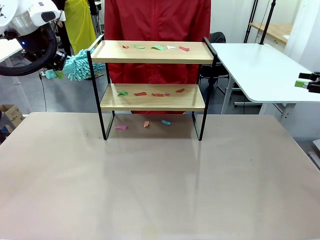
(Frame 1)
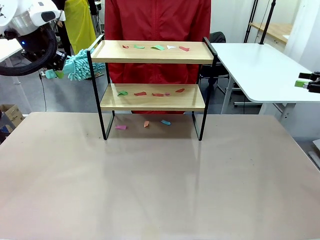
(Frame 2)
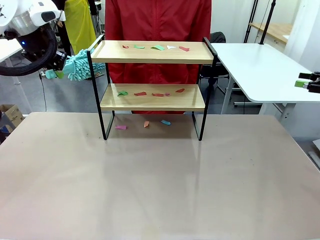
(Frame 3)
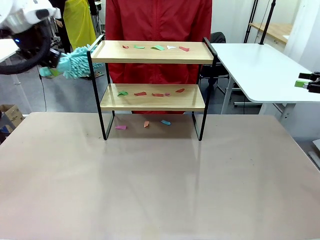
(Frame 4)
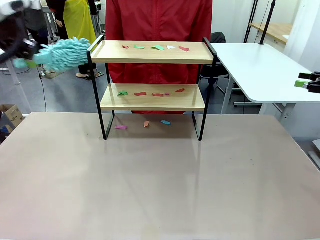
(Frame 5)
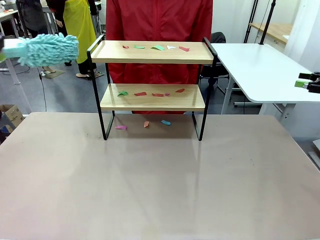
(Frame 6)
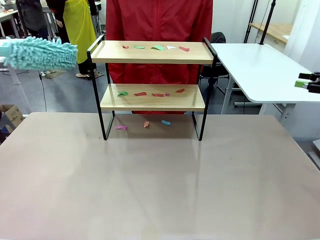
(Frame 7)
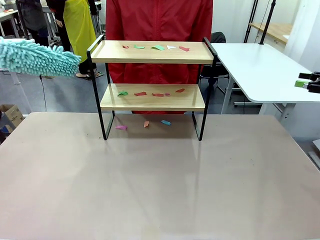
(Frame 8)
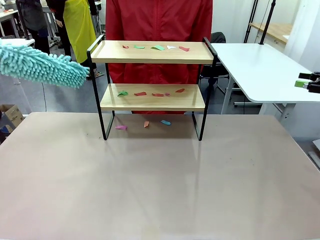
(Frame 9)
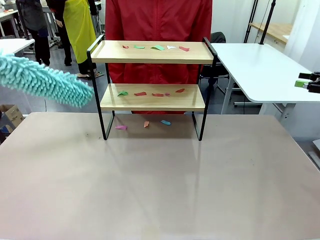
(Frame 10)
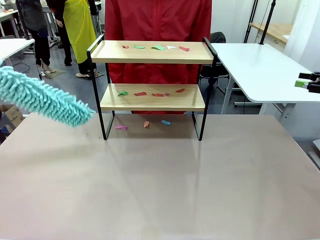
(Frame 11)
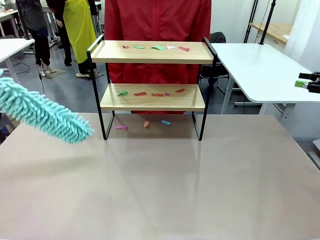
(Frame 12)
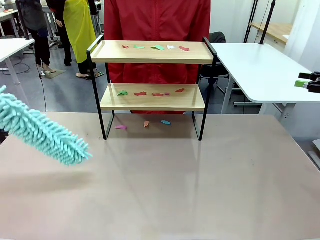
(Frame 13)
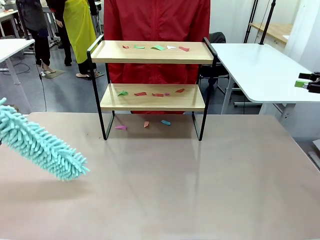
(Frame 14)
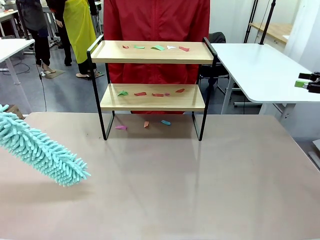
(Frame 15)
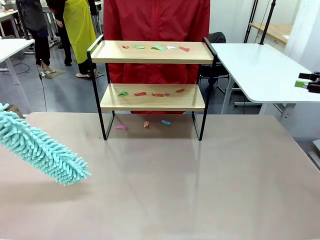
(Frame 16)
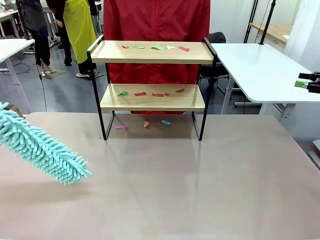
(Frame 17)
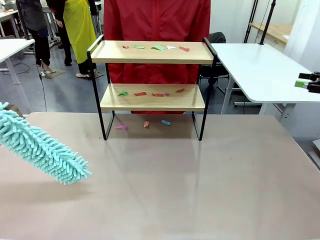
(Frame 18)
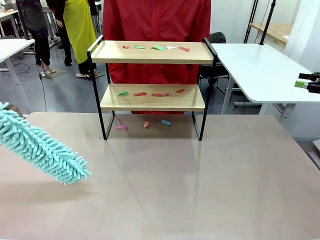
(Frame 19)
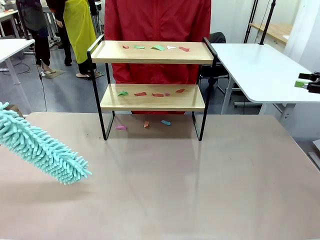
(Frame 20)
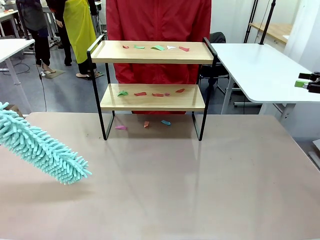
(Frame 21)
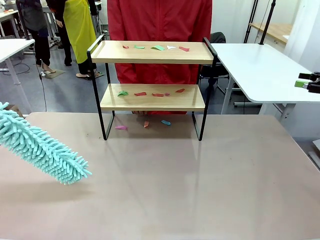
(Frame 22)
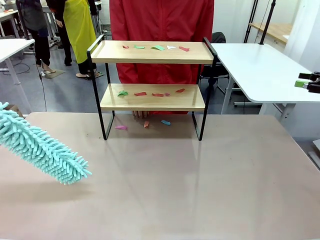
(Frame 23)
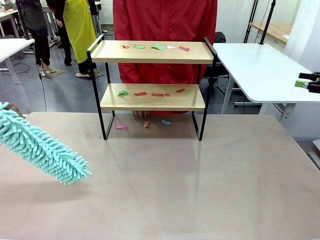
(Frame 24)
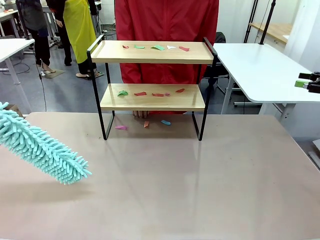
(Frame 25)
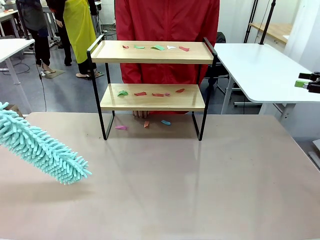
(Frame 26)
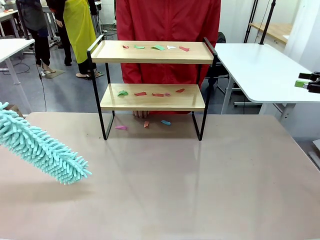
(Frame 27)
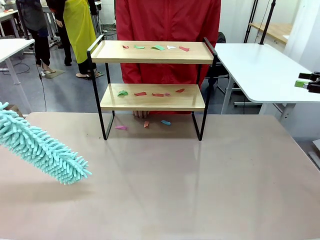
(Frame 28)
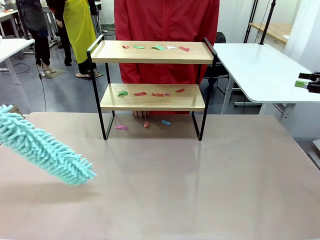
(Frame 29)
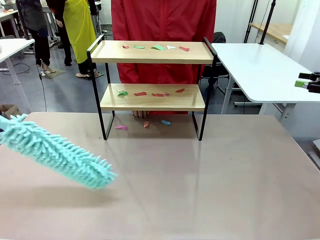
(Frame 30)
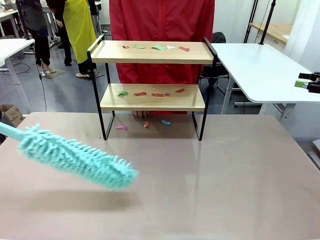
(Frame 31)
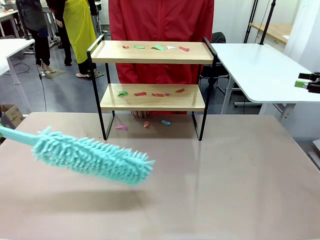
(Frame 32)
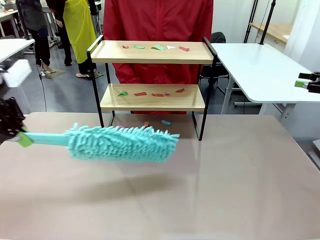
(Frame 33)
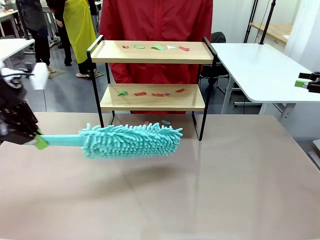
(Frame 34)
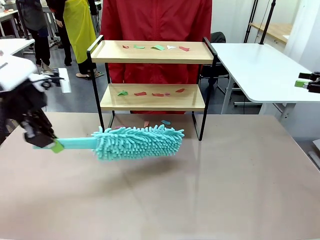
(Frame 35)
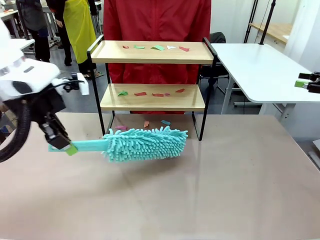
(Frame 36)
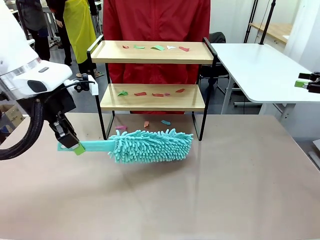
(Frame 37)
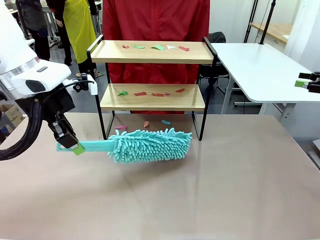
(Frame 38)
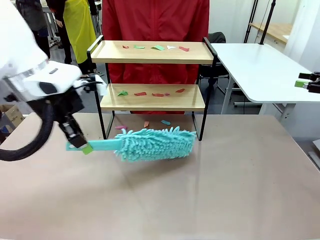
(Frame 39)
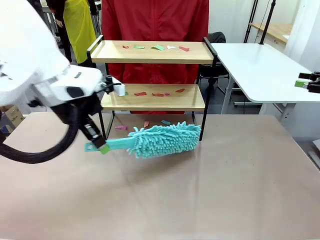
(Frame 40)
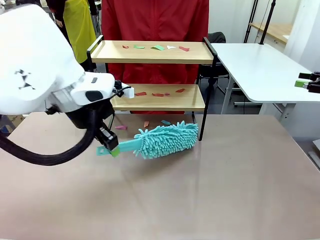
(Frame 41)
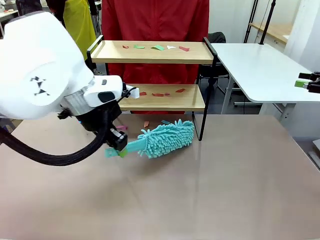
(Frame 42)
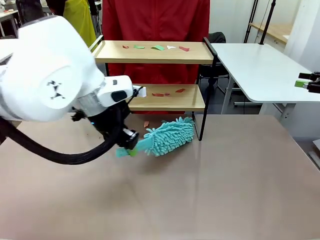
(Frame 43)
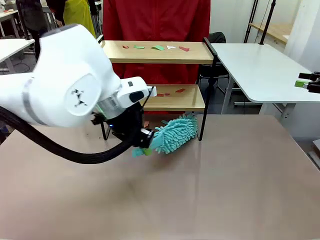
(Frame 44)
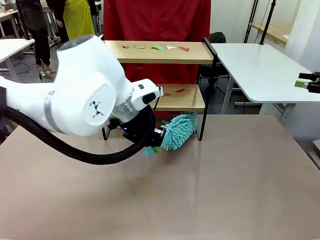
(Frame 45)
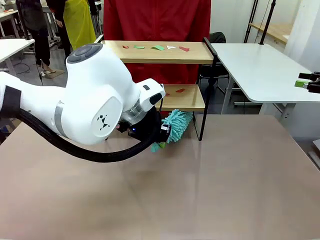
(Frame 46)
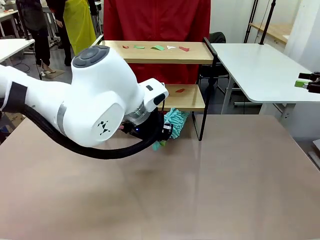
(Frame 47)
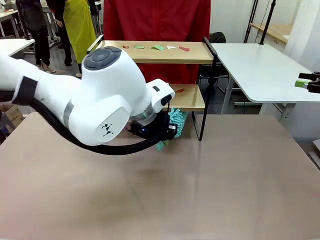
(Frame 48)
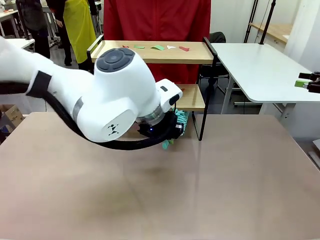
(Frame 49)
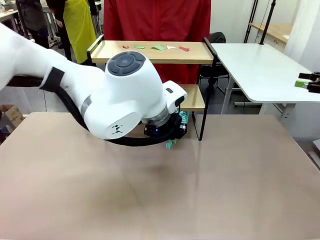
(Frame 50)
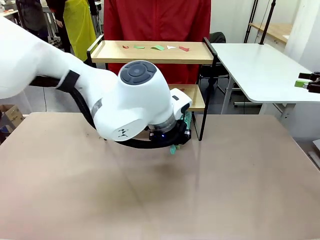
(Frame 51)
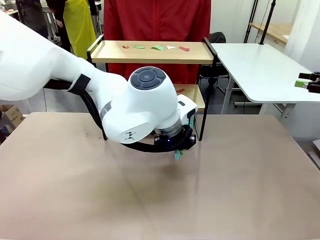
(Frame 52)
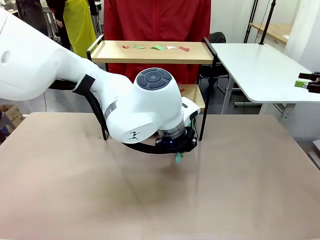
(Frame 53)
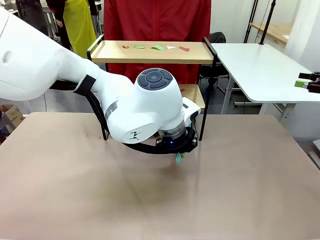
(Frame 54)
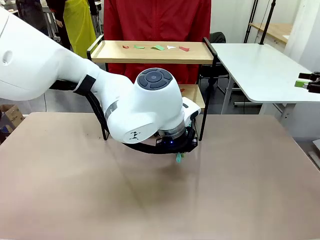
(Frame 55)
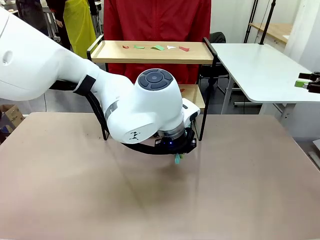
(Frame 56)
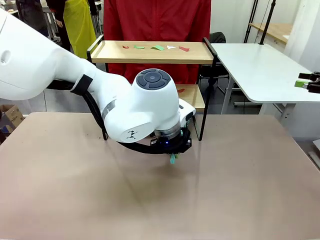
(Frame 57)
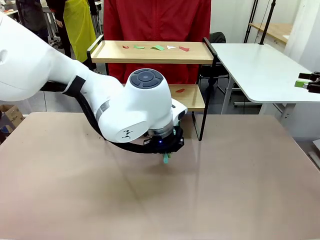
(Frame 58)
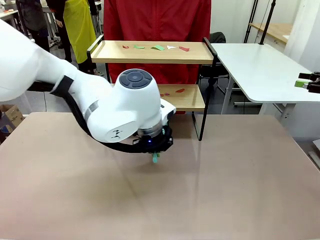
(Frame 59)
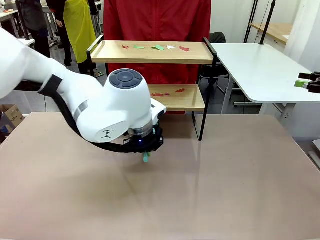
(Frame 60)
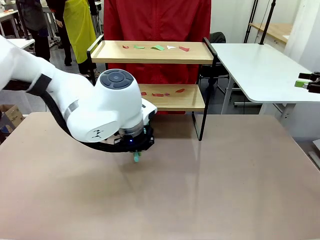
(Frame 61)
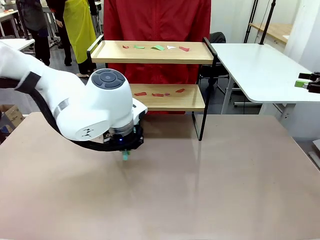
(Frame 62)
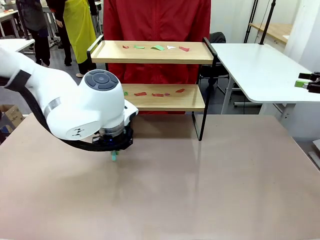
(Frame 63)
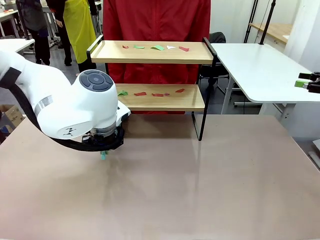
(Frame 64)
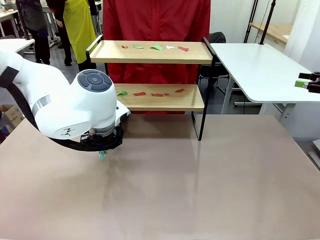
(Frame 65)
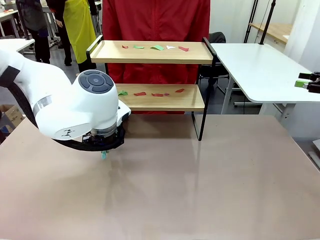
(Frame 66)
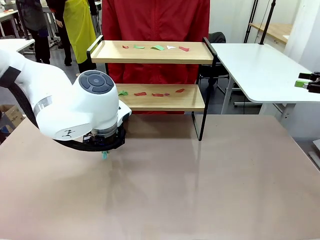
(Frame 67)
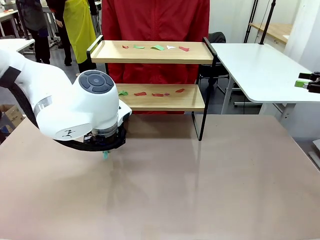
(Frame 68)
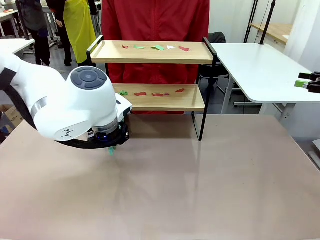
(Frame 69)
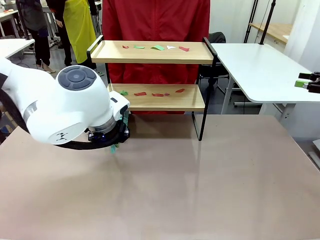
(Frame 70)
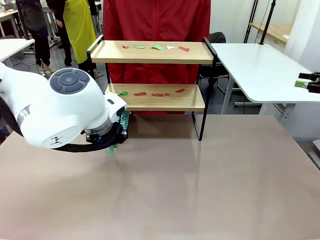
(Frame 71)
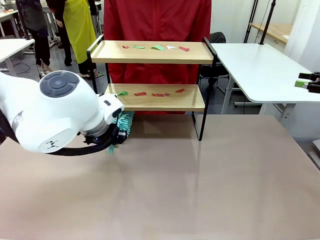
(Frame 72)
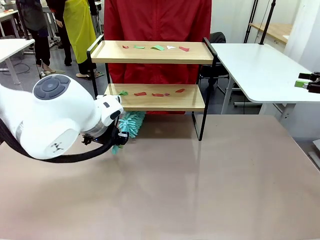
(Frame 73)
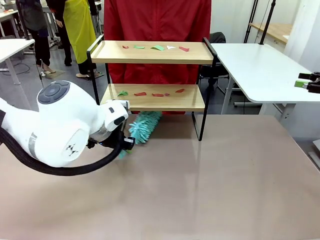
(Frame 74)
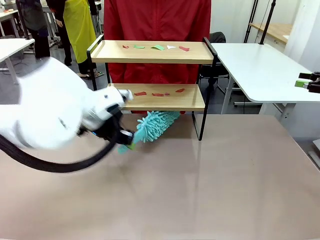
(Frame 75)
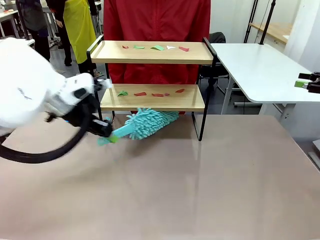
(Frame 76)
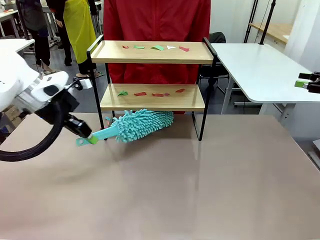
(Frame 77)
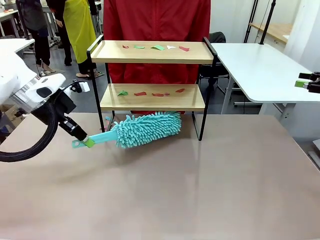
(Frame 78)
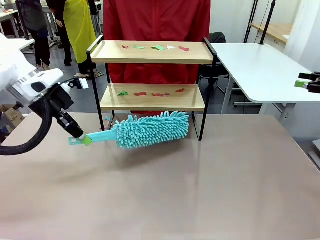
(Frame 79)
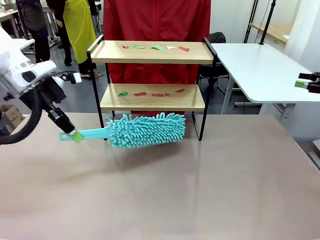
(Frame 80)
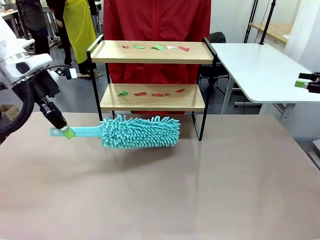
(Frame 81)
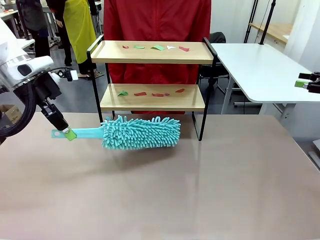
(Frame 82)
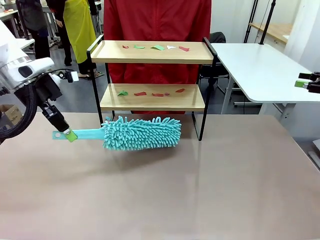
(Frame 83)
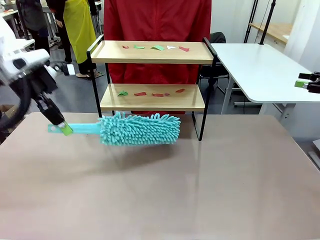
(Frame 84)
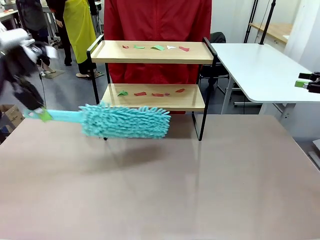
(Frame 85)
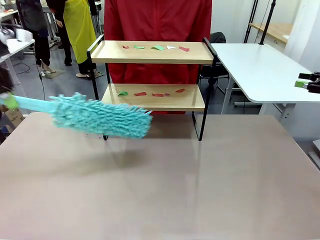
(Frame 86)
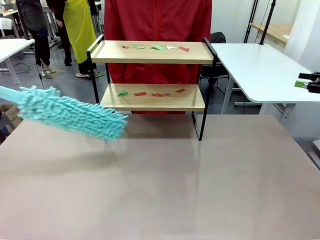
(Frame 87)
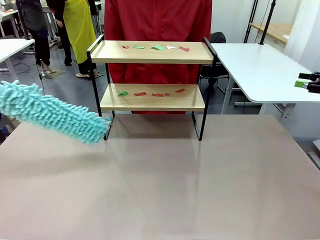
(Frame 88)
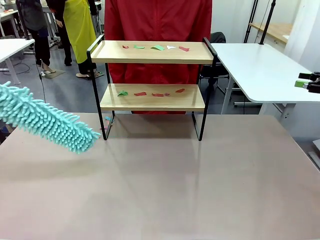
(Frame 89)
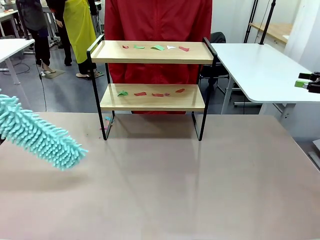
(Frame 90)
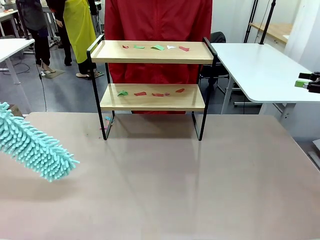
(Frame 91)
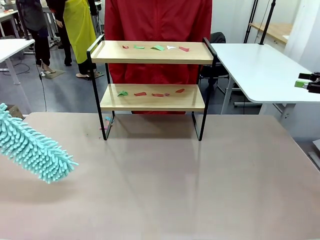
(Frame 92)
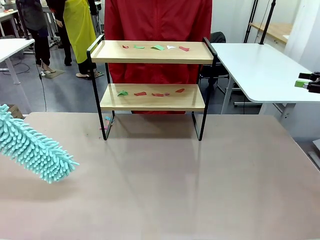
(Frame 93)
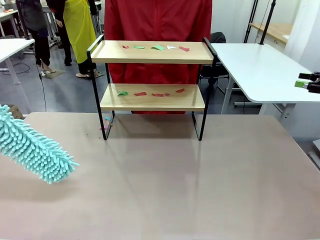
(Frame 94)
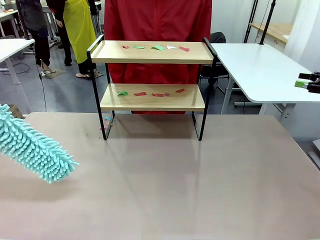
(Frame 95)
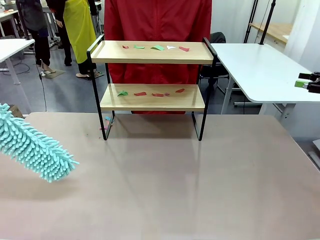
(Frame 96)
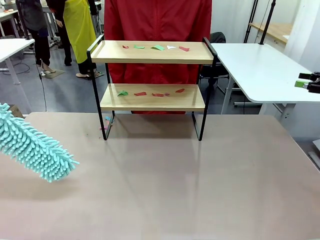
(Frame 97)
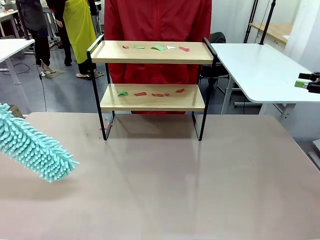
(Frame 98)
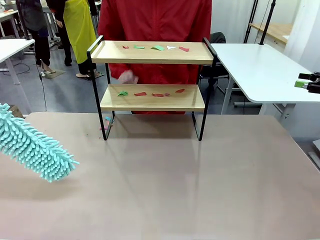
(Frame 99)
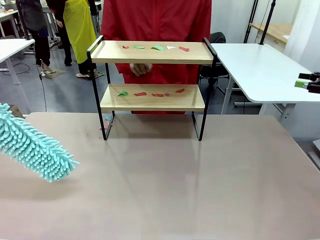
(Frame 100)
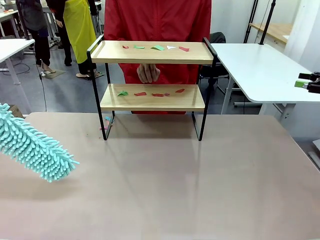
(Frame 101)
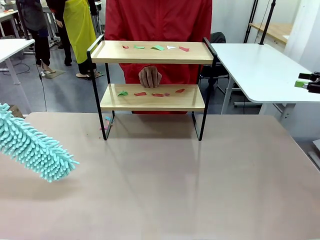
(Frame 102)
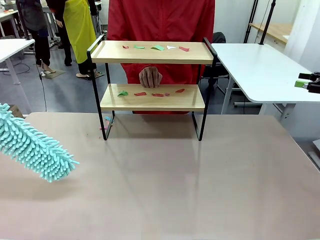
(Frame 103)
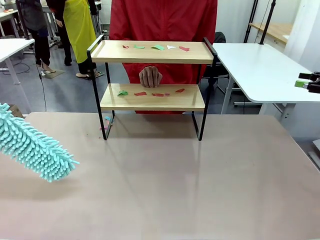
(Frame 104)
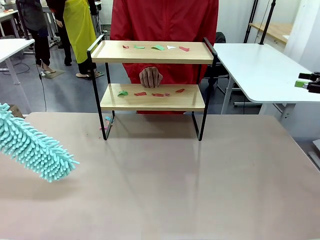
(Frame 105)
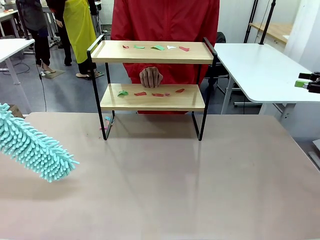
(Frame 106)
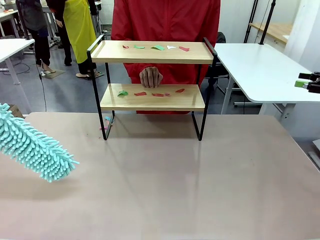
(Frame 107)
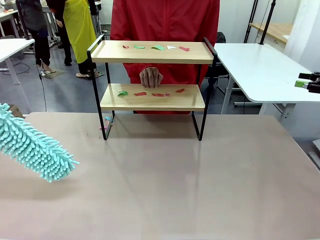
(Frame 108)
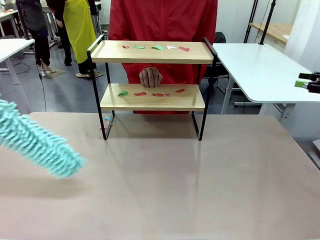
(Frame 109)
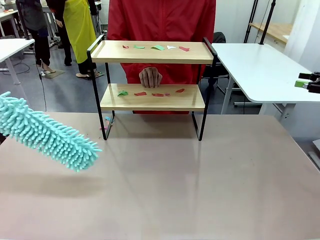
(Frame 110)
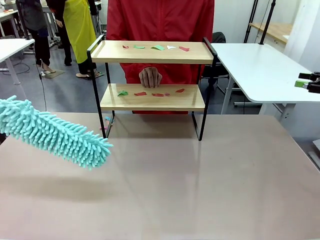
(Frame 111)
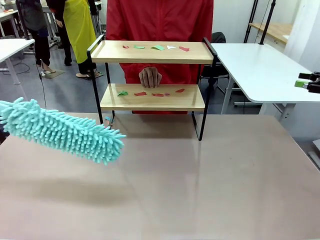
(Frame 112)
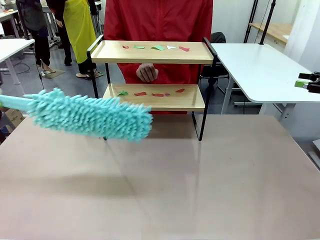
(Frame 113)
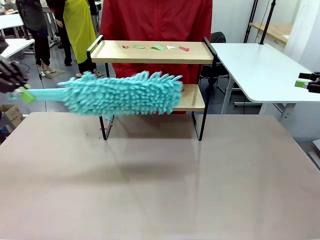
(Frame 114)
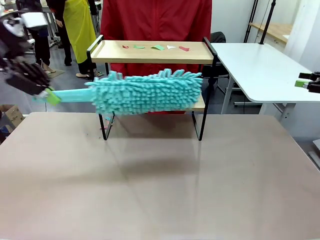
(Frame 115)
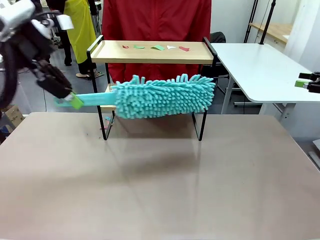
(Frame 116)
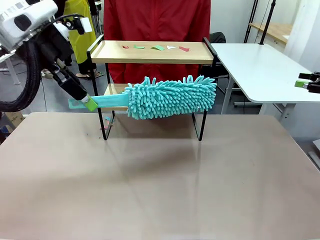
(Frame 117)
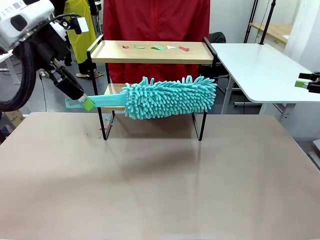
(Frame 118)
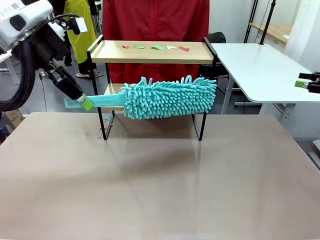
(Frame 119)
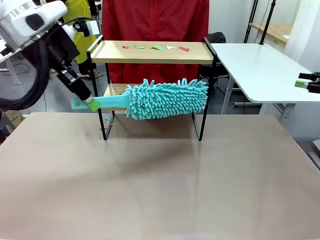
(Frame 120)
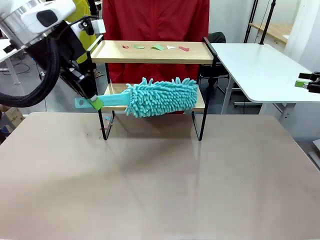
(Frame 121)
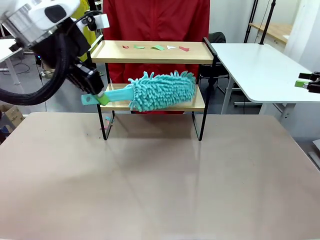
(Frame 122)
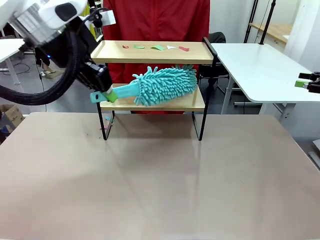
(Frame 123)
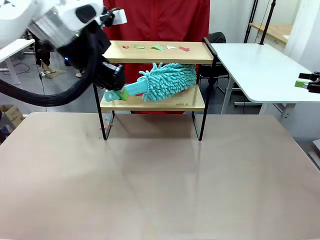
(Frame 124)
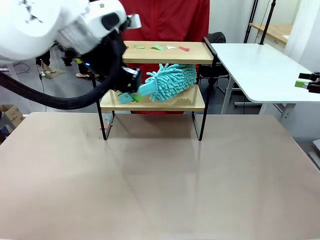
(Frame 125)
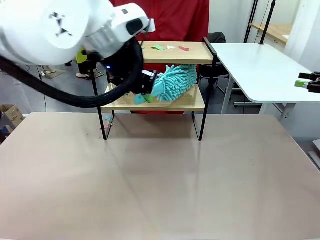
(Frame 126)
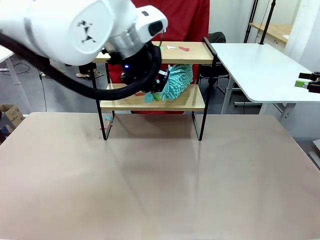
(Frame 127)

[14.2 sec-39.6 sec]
Task: Clean the shelf.
Robot: Clean the specific section of the Shelf indicated by the human with the Duster.
Person: Point a random section of the Shelf.
